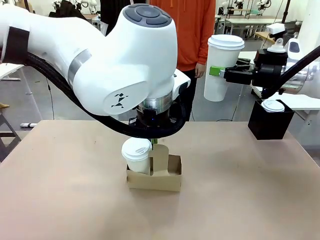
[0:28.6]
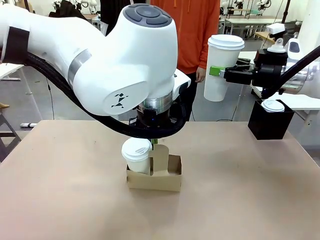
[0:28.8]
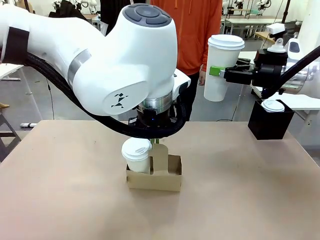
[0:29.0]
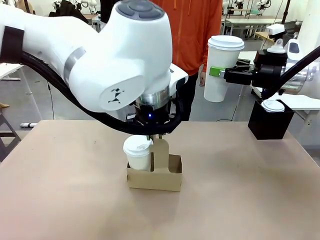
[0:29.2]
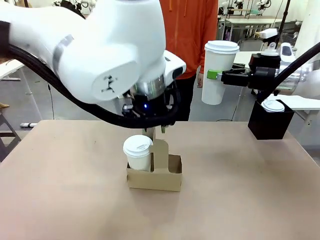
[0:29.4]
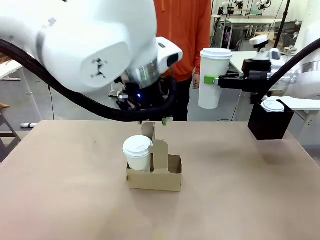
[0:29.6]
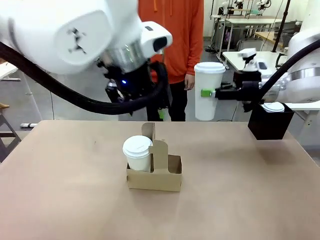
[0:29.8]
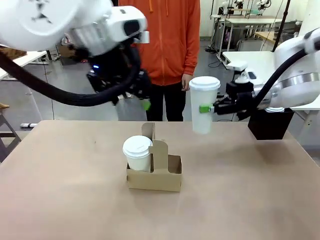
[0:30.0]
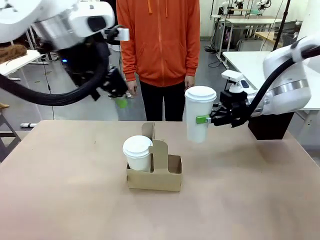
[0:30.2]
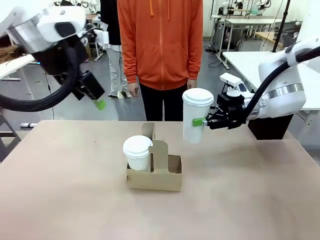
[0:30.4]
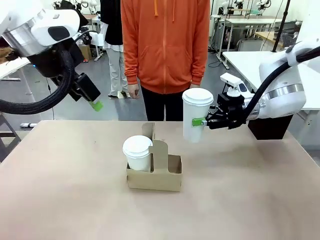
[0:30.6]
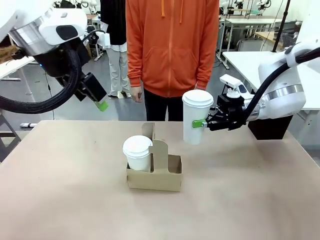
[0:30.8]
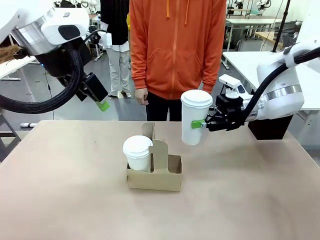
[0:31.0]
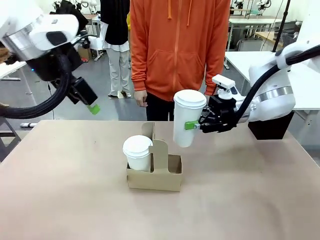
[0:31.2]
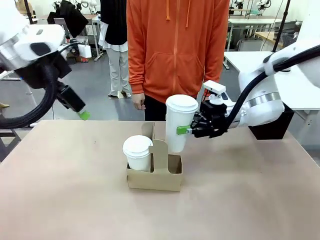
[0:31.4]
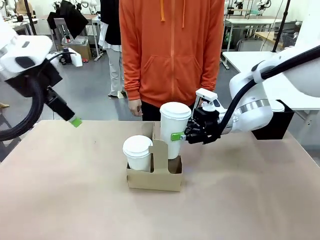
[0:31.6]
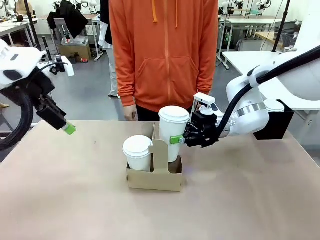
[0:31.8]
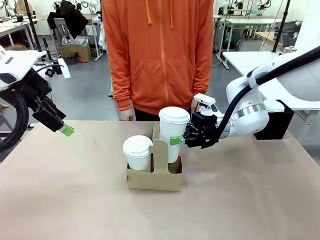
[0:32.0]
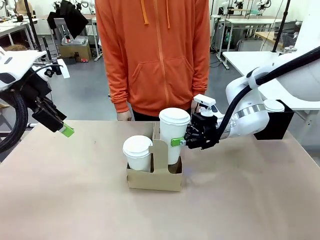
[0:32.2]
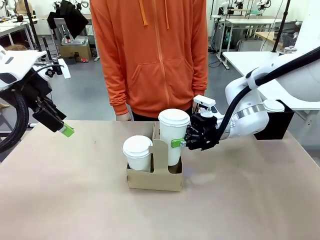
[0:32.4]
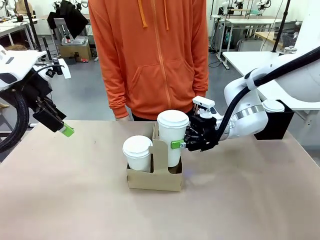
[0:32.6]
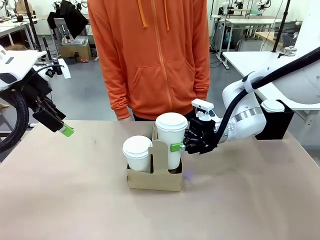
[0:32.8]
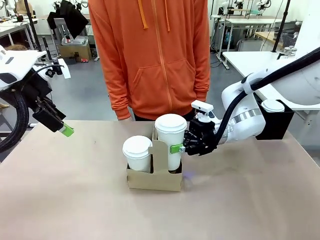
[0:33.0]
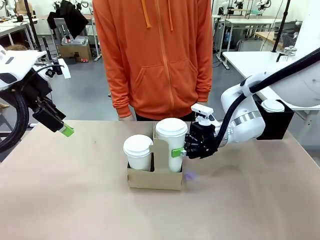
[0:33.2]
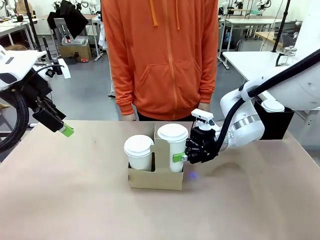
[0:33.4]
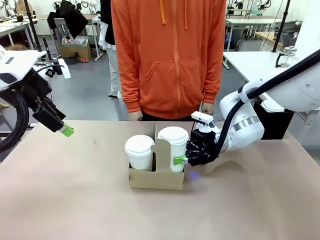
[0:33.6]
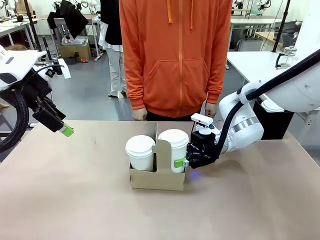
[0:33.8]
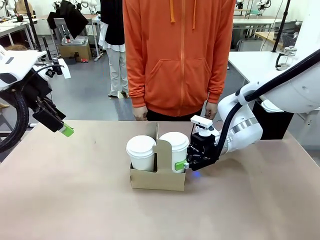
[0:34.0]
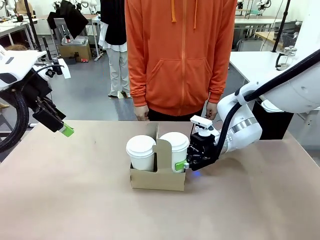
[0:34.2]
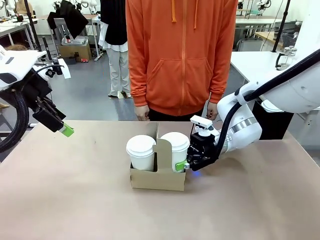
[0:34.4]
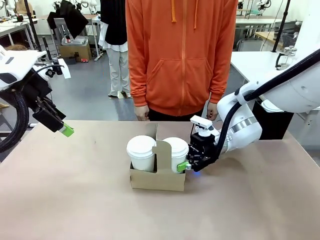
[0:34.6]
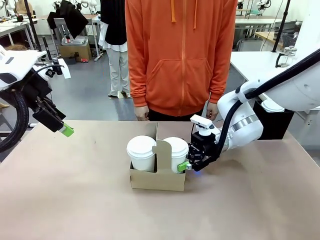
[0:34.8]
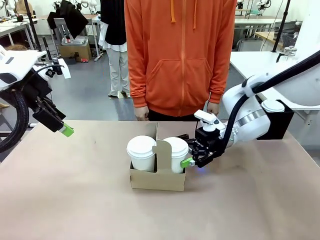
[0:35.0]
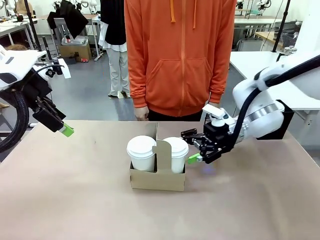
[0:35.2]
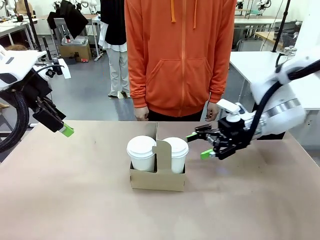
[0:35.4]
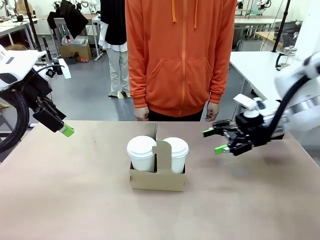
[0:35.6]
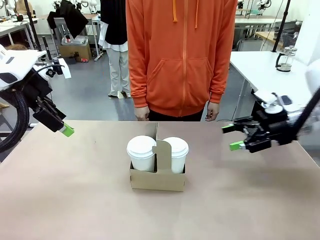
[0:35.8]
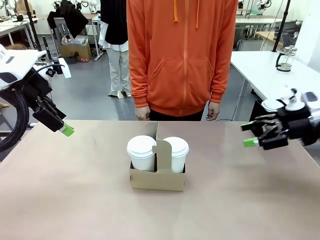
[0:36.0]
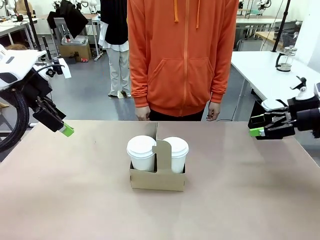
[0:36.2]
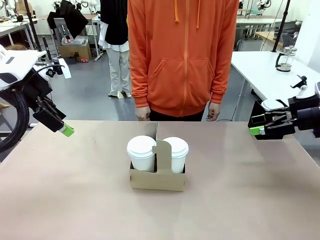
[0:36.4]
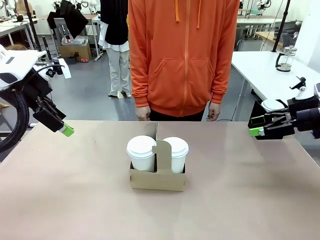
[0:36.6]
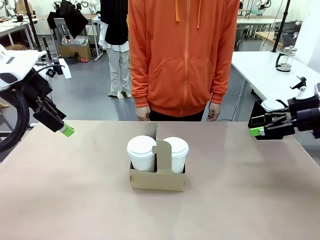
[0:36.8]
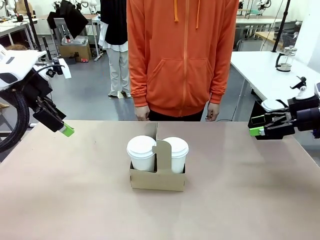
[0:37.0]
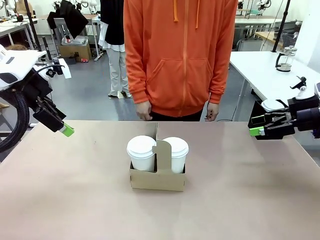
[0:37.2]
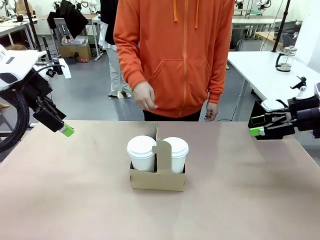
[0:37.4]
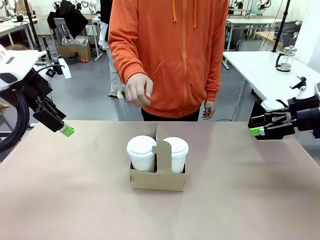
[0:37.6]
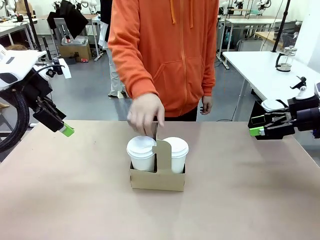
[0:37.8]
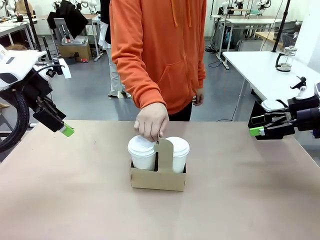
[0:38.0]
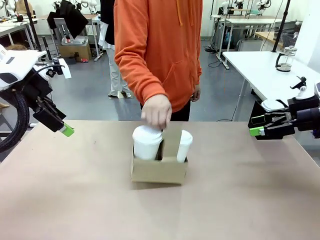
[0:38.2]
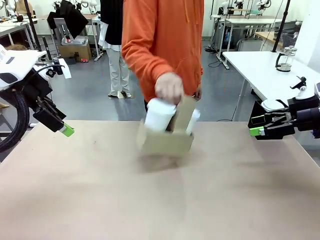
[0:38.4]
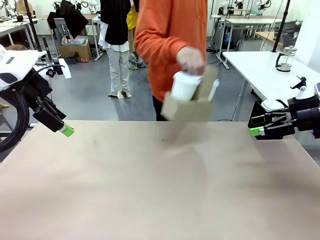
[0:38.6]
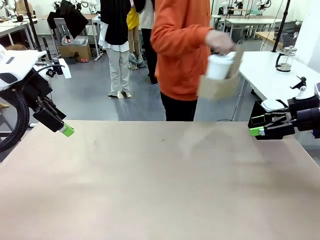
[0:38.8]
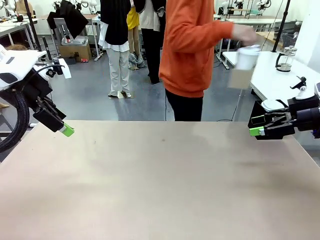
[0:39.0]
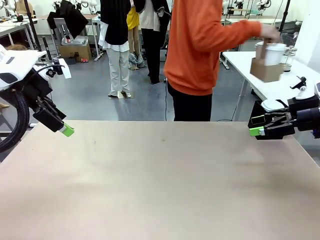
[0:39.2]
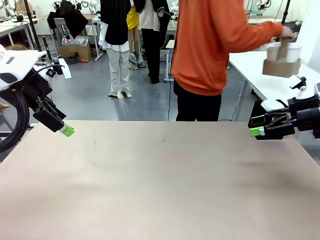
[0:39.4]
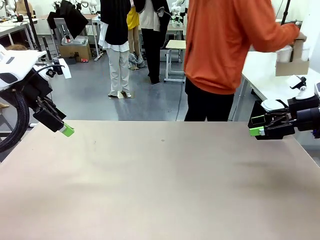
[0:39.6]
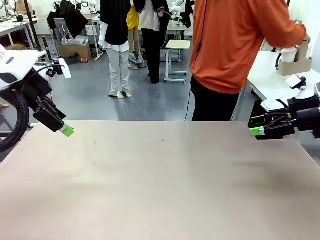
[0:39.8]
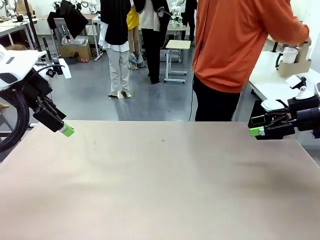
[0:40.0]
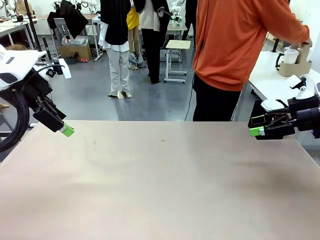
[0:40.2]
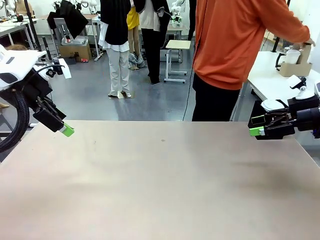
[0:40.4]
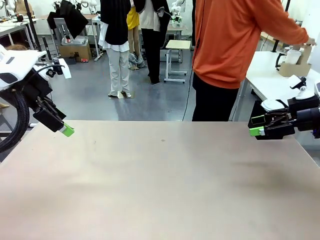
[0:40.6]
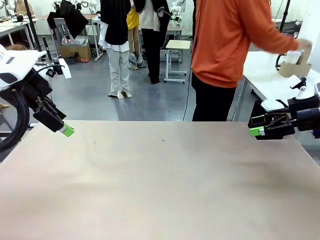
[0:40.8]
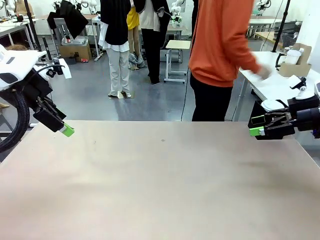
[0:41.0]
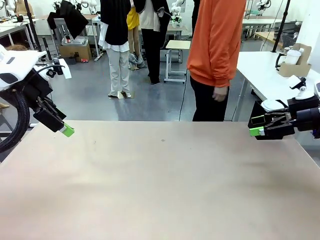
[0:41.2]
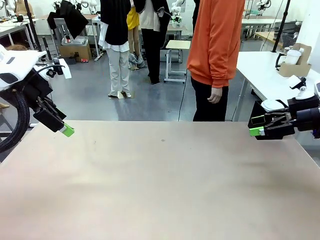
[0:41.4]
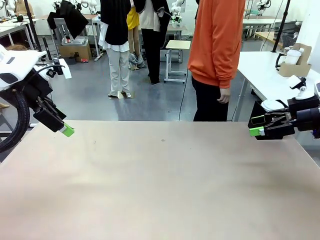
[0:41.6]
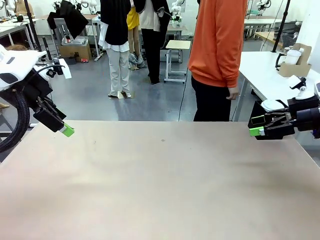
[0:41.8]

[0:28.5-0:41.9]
Task: Pour a drink into a cup and package it in a carrier.
Robot: Insert the held 600 ml Paper Cup into the Cup Carrier.
Person: Place the Cup Carrier to the middle of Human table.

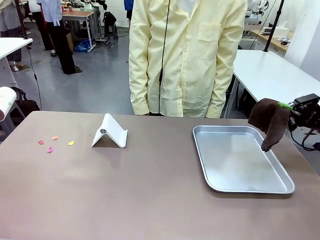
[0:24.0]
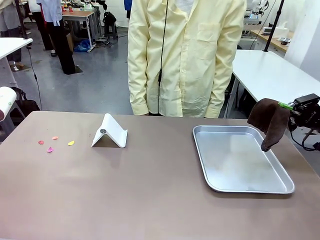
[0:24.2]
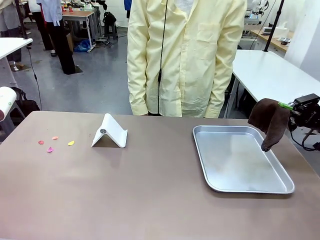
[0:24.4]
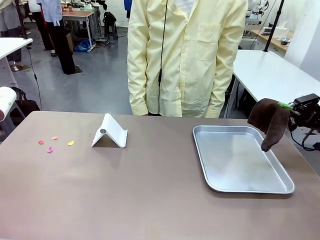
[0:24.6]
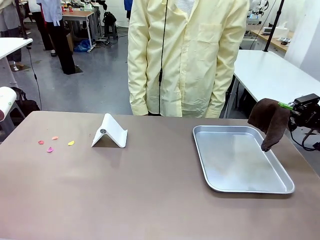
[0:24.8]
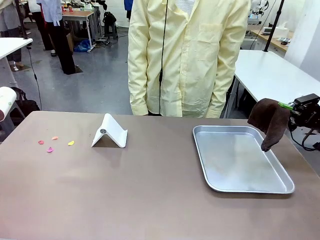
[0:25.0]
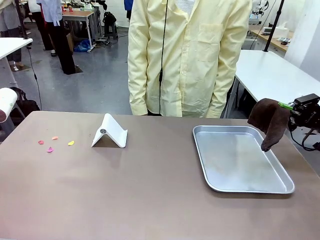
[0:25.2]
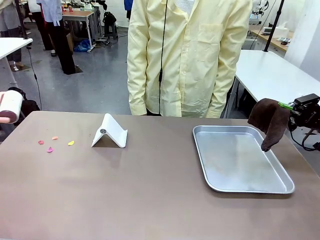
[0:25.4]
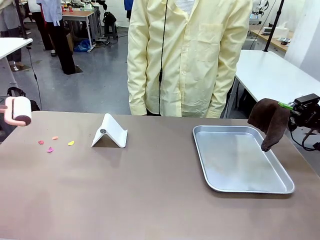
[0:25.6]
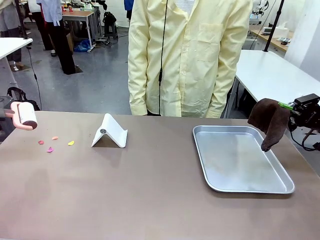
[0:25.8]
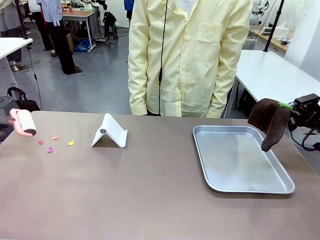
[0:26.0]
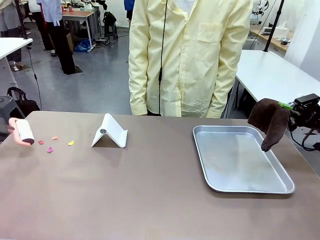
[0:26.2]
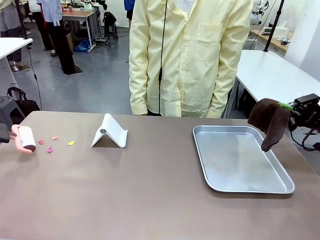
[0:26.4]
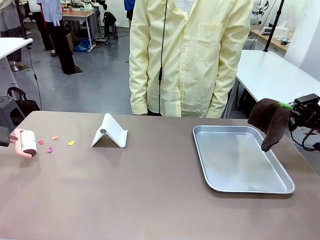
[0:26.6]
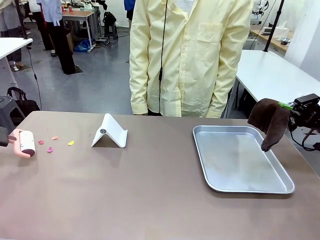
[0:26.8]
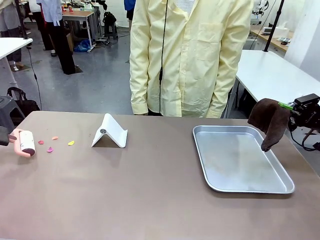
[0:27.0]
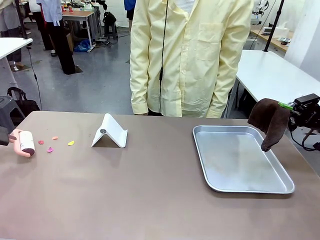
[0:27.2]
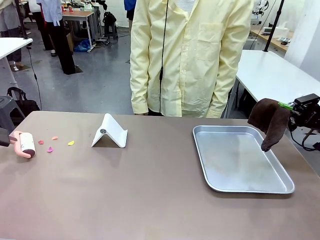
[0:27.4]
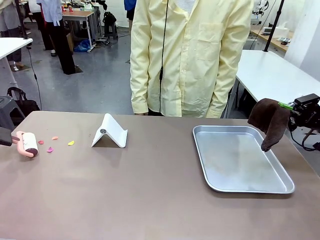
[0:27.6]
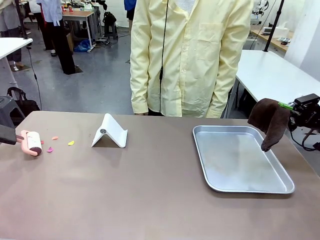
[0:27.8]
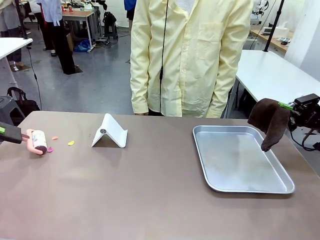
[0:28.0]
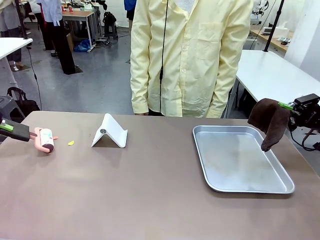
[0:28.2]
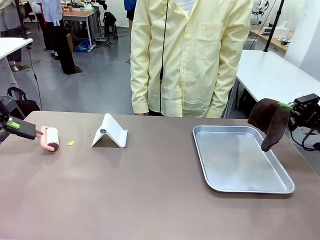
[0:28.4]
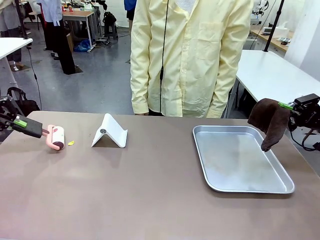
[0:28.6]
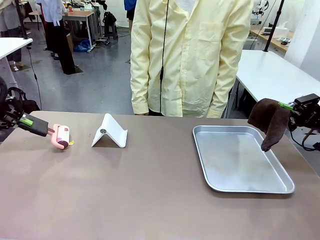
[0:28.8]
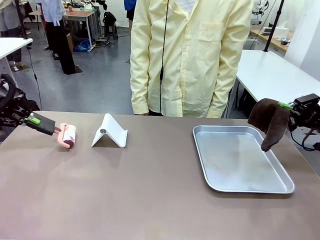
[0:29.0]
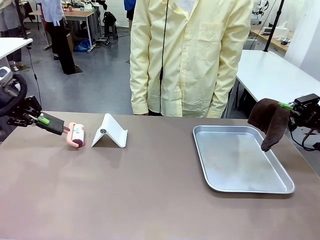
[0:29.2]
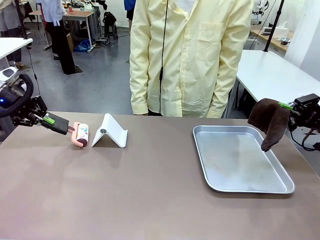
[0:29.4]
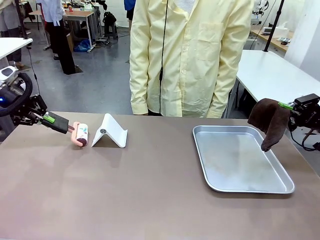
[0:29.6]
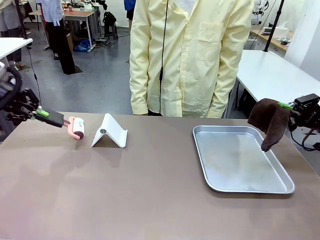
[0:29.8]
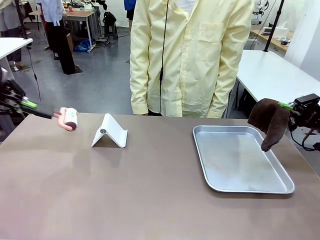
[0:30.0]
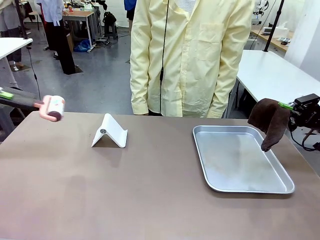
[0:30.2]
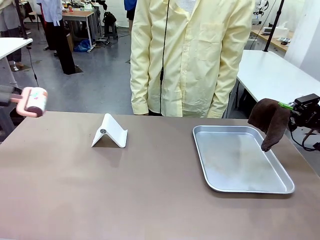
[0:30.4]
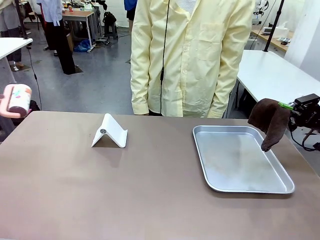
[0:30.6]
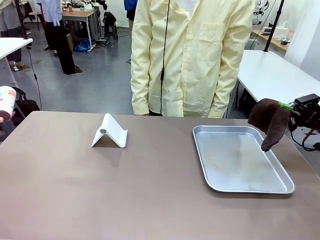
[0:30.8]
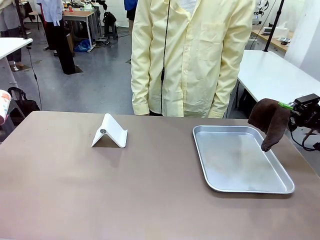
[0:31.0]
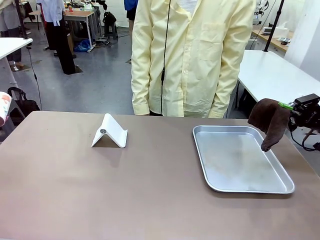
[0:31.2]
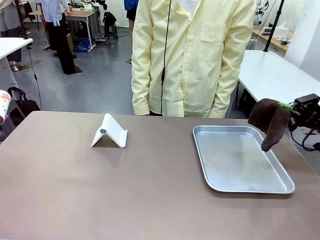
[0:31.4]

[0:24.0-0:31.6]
Task: Clean the surface of the table.
Robot: Clean the area not pointed to by the person.
